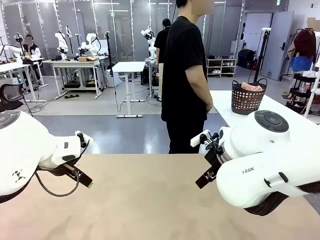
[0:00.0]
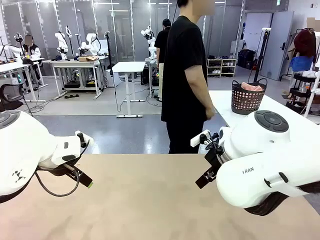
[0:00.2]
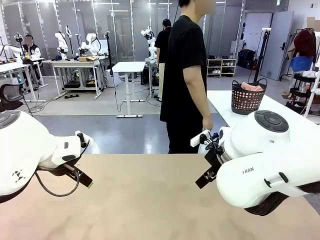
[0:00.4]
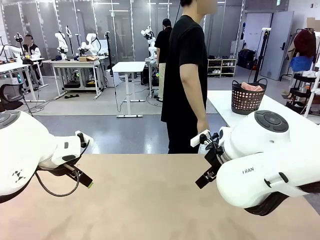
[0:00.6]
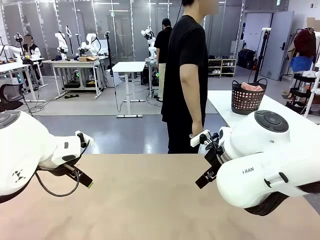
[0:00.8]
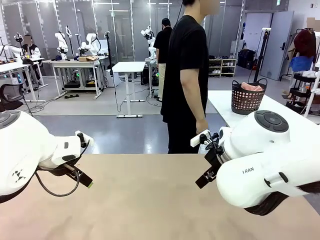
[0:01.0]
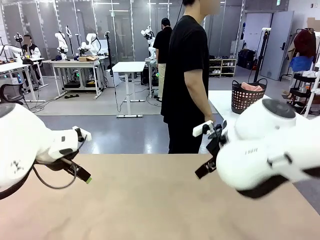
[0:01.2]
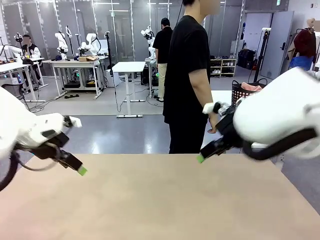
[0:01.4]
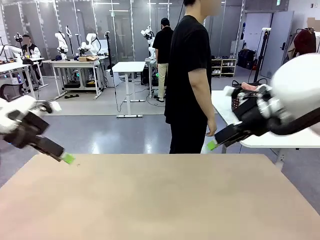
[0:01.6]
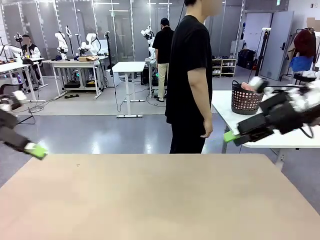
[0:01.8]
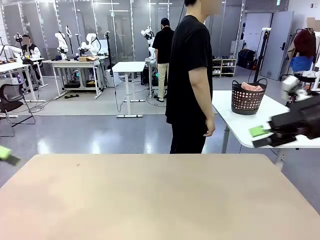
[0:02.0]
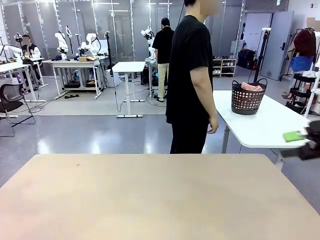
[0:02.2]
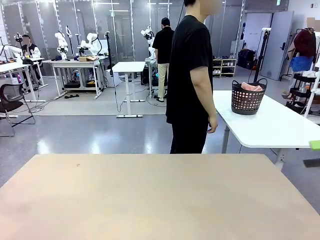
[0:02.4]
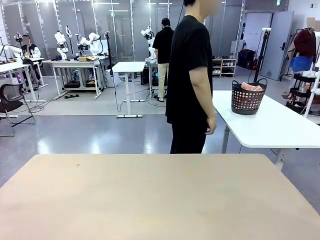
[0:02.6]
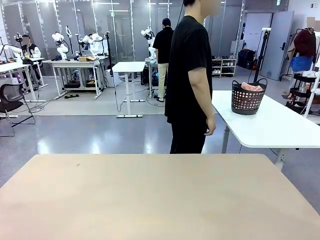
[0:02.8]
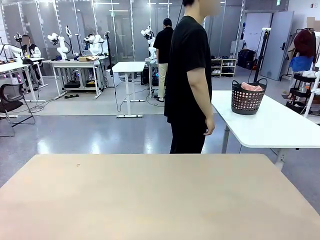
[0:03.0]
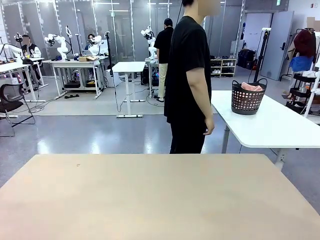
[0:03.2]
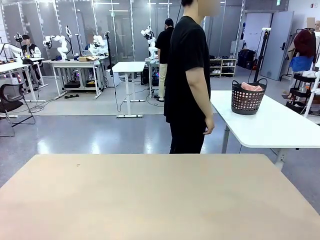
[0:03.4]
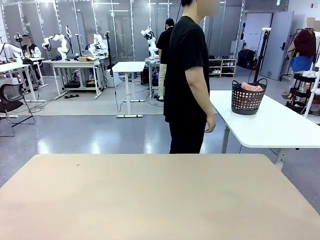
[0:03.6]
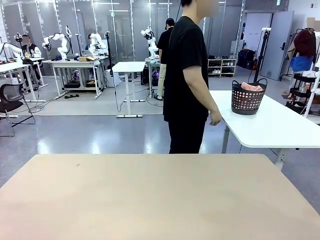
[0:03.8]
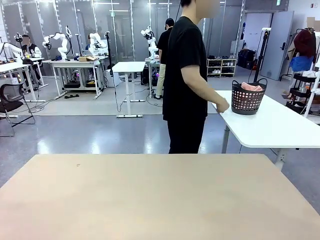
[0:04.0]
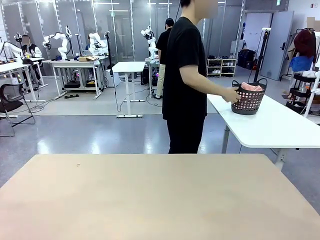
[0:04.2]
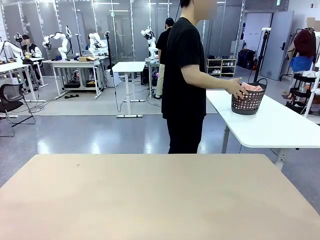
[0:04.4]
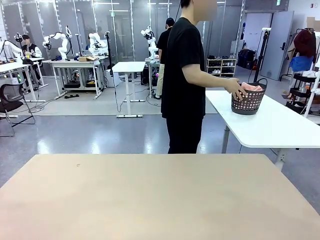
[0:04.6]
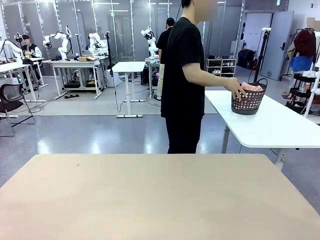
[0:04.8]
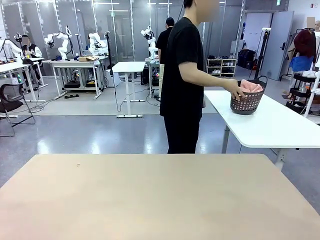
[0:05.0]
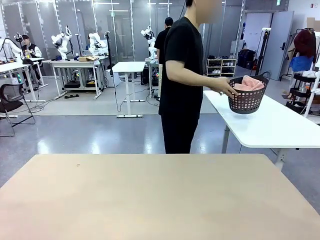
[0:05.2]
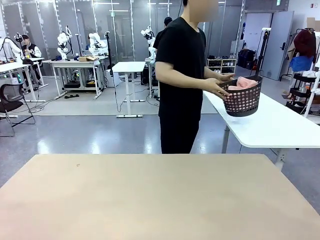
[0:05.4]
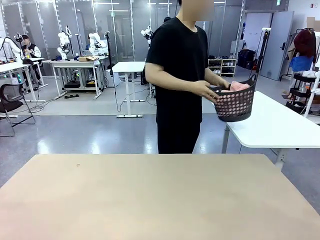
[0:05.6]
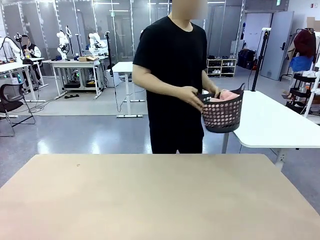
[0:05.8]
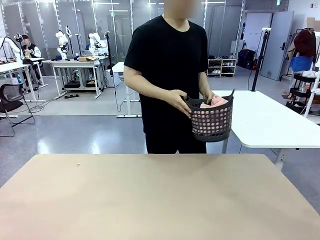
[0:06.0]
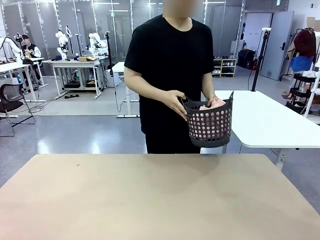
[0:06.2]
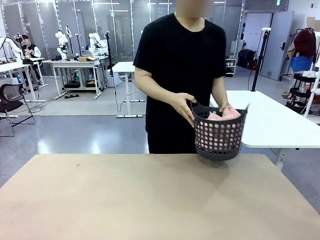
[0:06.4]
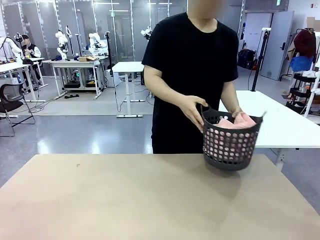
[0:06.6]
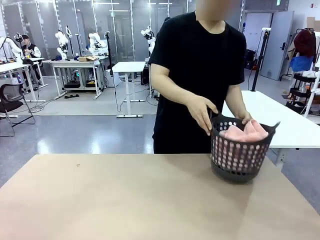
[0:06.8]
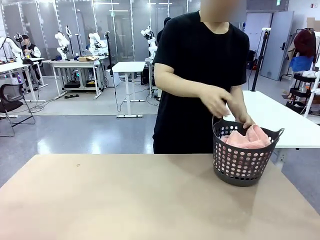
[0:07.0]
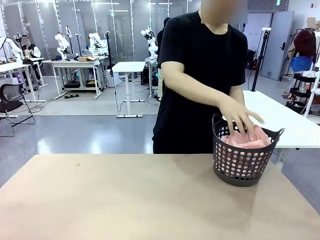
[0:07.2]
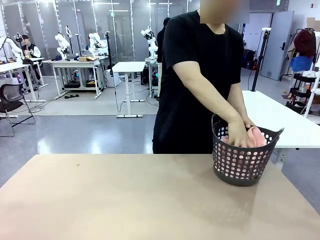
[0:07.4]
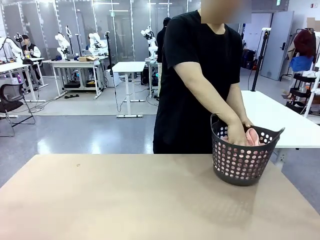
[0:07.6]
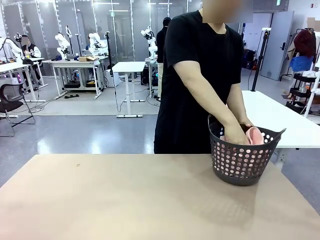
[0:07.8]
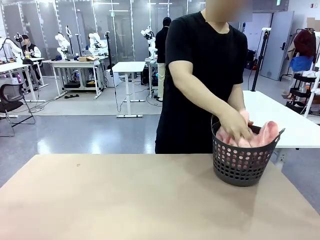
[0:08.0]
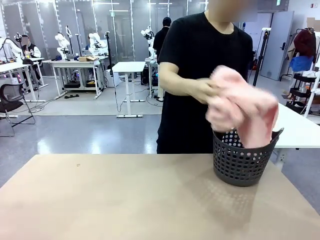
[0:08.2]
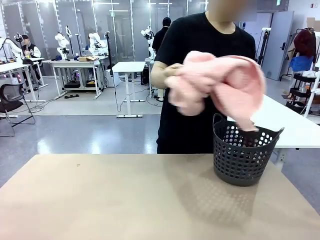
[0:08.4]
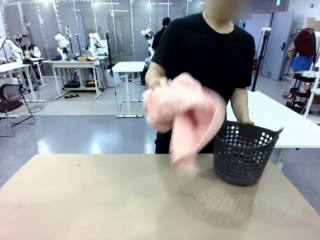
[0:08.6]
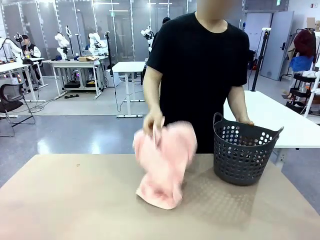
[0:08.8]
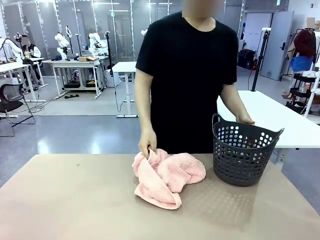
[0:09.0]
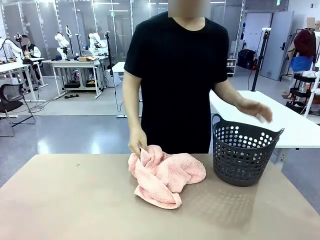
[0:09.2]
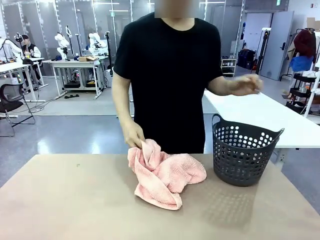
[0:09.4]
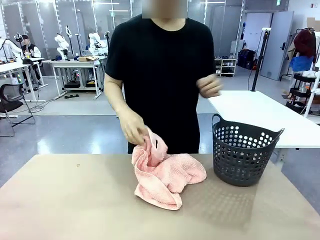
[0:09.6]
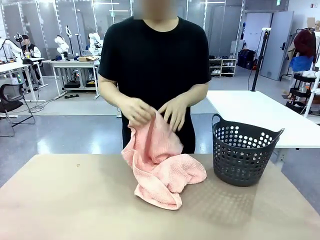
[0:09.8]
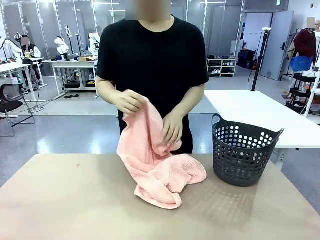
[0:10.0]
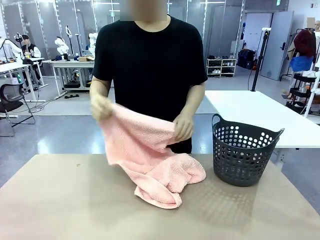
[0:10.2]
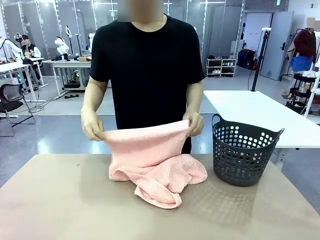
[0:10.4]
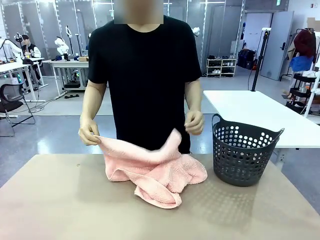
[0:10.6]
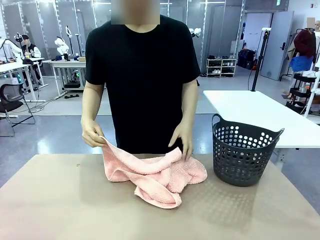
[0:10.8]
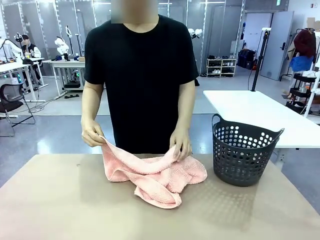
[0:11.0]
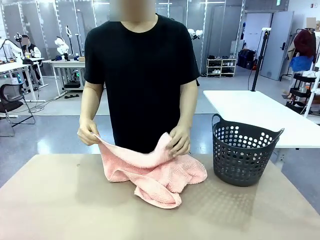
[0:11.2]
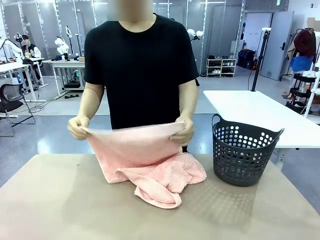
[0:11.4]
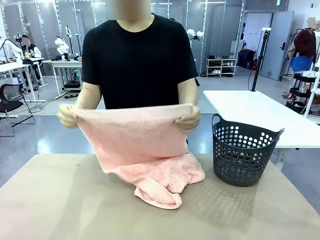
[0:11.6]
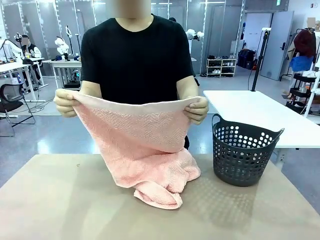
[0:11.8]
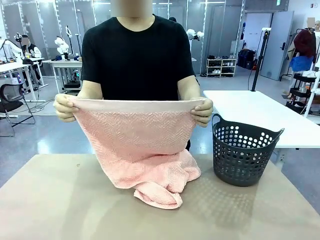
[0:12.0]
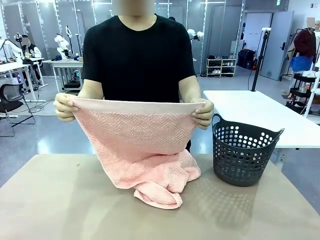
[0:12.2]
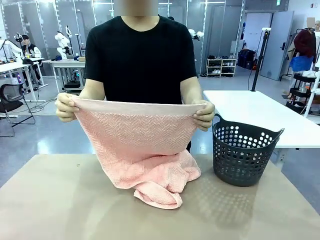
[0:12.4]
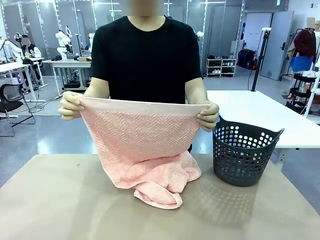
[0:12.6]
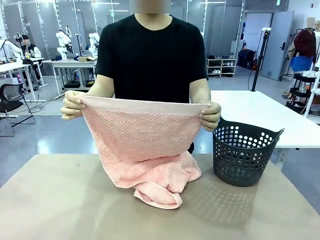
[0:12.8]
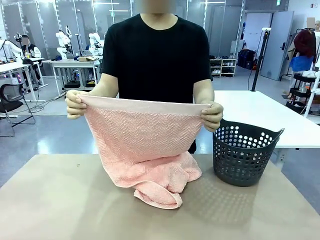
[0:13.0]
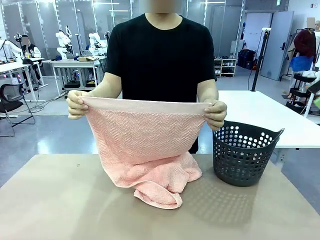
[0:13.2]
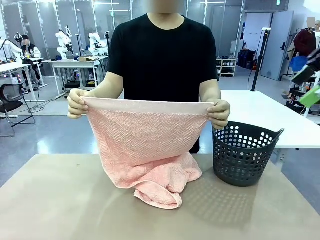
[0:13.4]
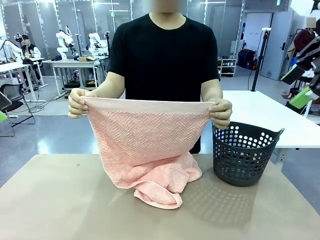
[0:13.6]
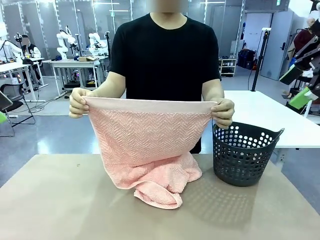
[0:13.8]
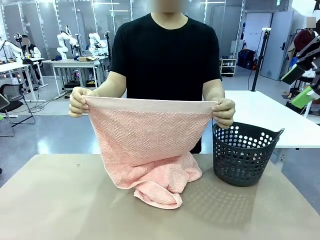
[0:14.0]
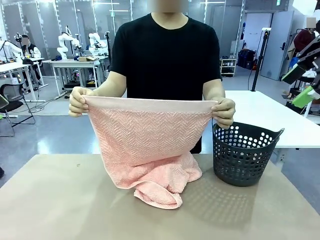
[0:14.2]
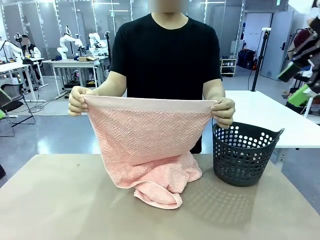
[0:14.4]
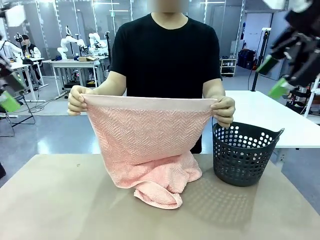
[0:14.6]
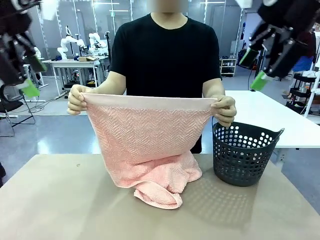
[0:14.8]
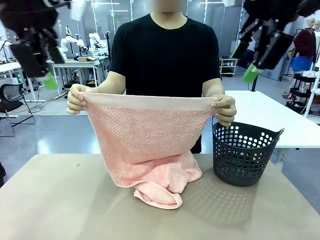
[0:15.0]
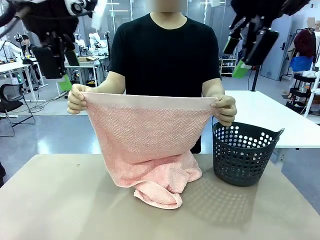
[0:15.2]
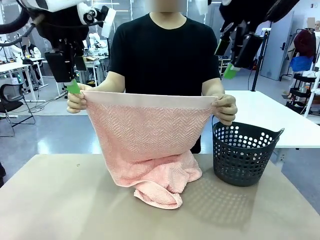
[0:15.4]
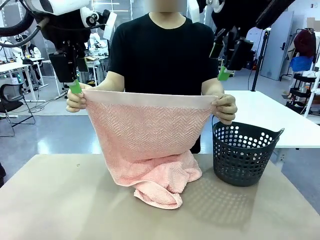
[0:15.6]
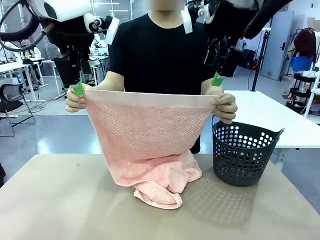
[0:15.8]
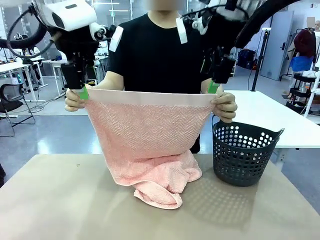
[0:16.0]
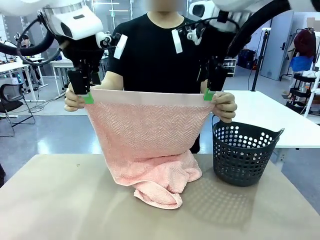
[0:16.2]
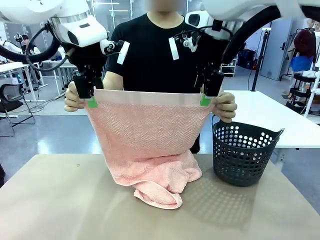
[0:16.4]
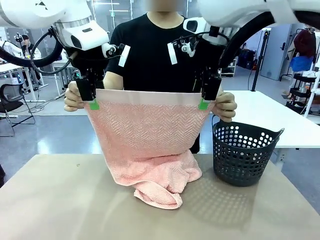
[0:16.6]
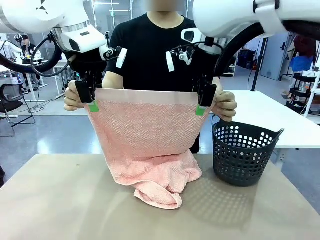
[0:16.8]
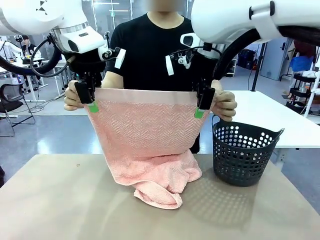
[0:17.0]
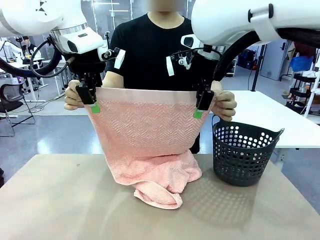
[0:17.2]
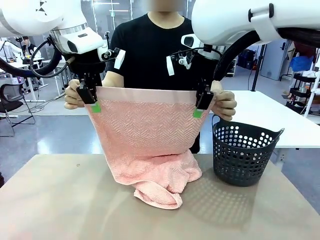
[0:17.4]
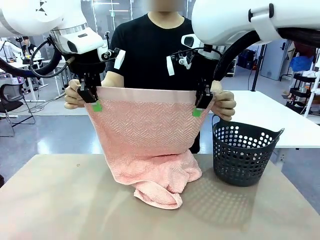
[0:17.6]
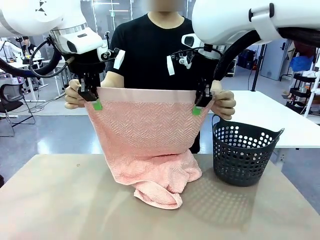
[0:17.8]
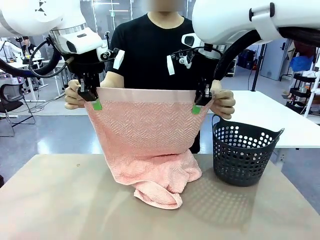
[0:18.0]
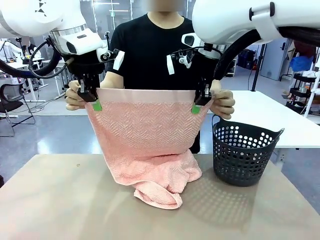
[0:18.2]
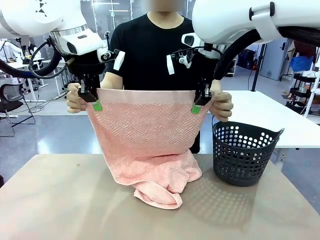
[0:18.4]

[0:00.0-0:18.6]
Task: Fold the towel.
Robot: Grab the top end of the 100 cm Hotel Towel extended by the human.
Person: Pick up the laundry basket, place it on the left side of the robot table, then take out a towel and hand it to the robot while holding both corners of one end.
